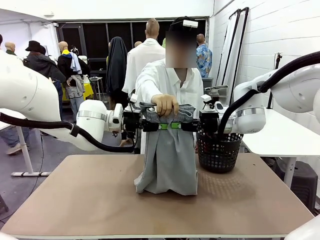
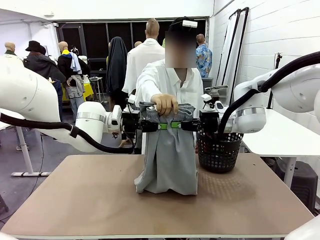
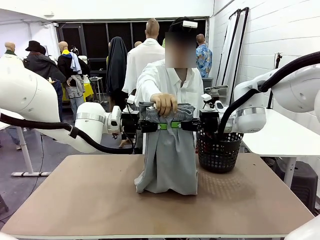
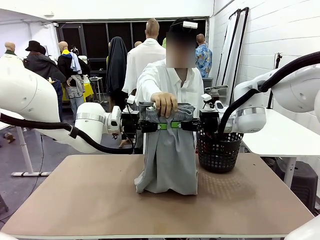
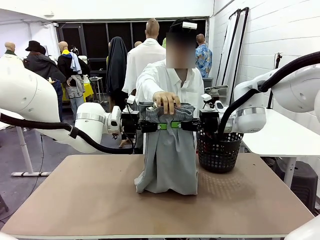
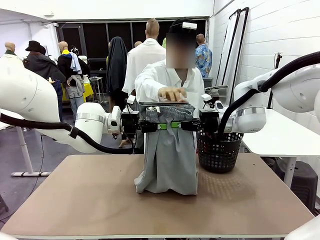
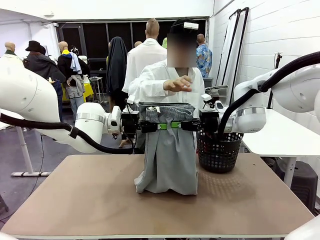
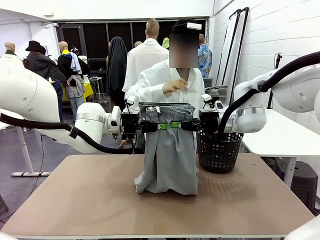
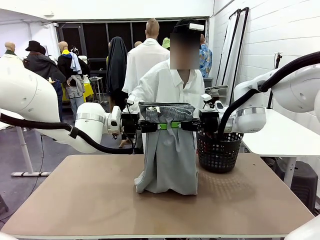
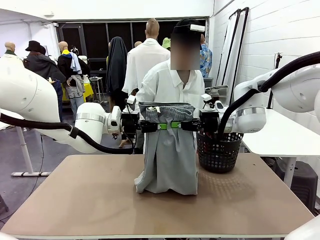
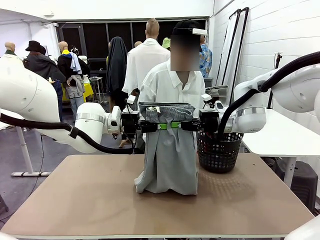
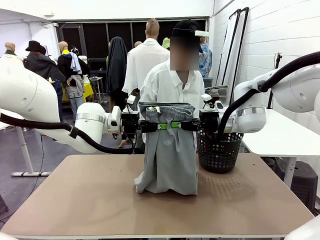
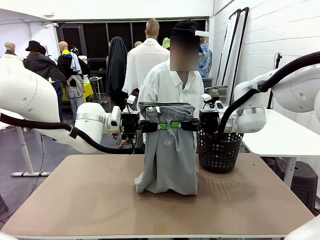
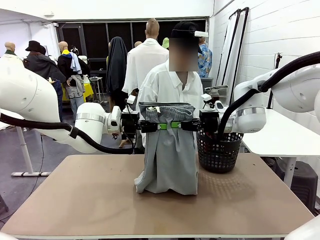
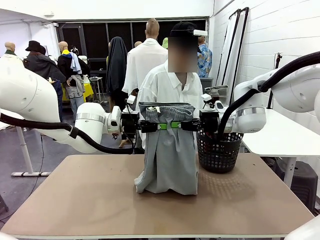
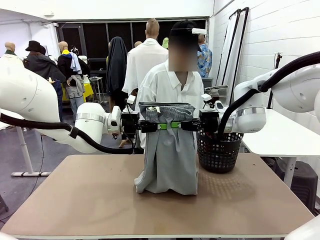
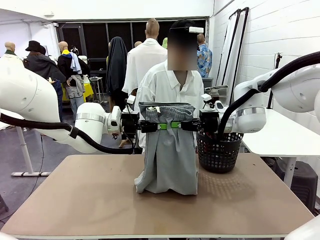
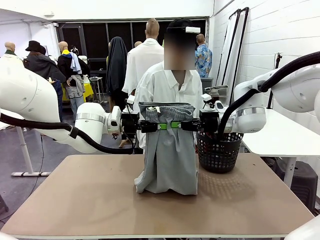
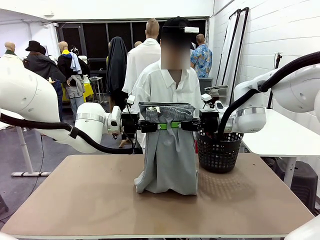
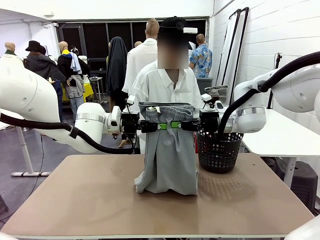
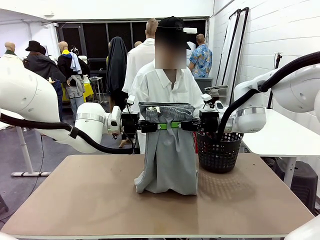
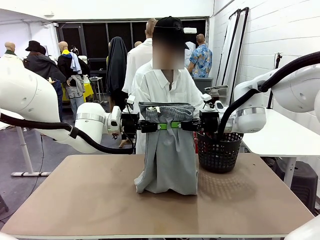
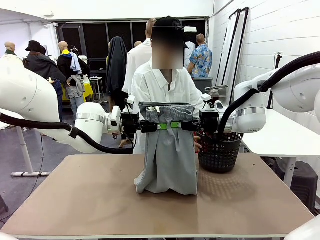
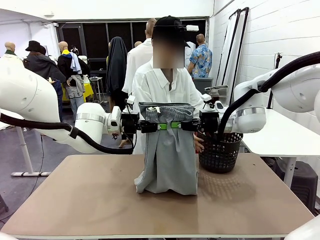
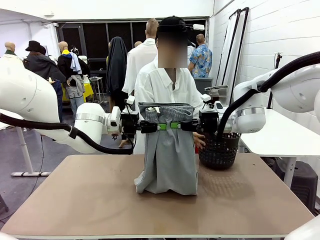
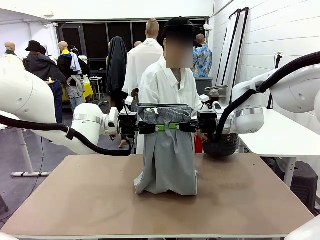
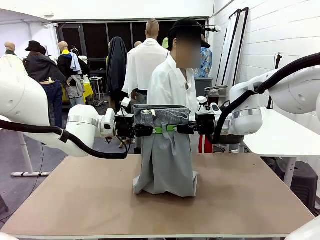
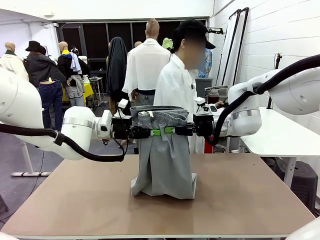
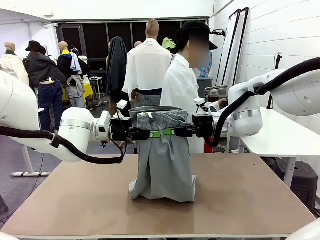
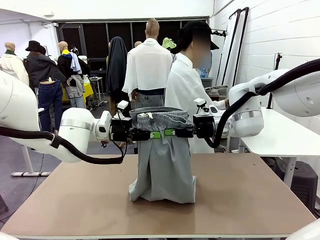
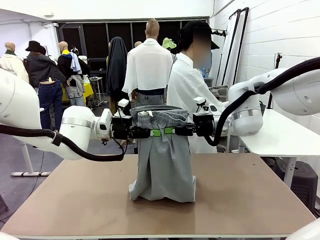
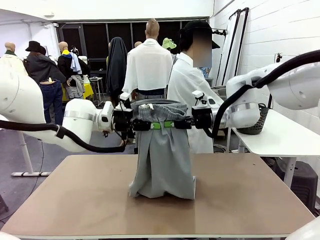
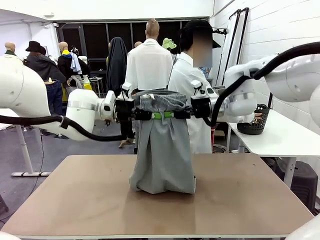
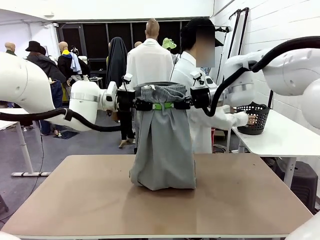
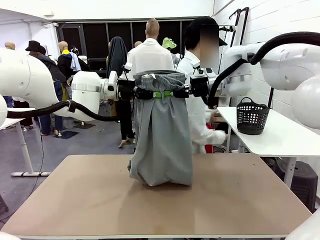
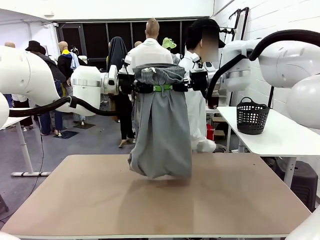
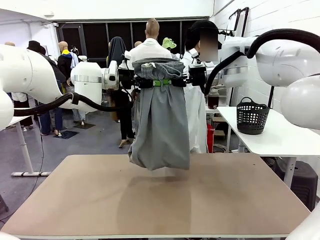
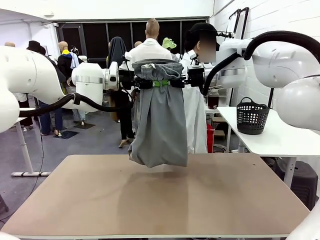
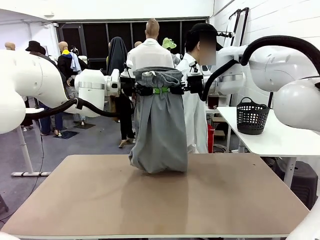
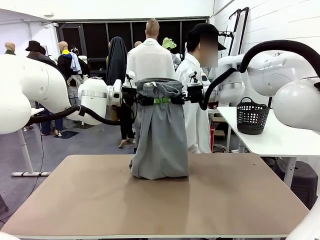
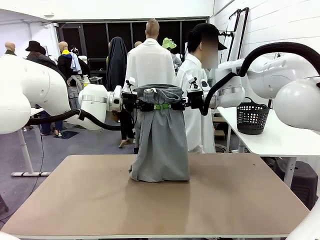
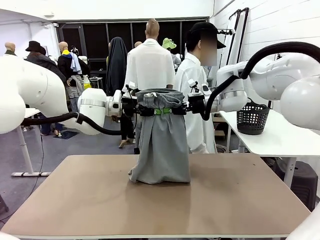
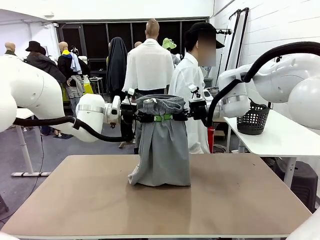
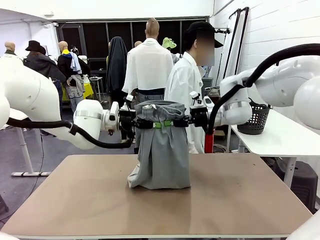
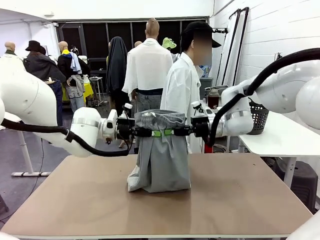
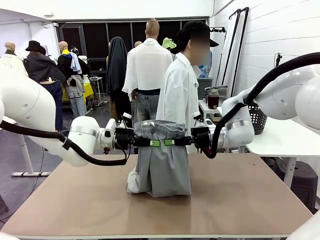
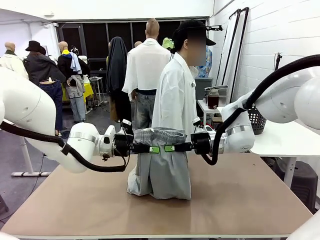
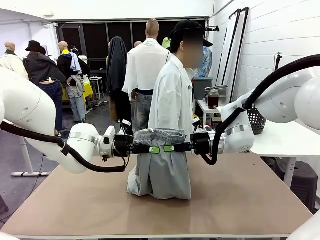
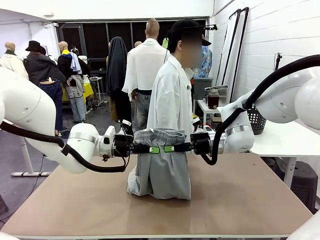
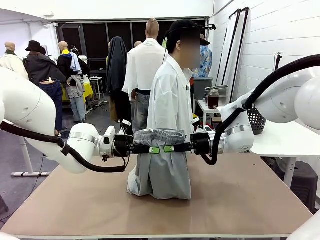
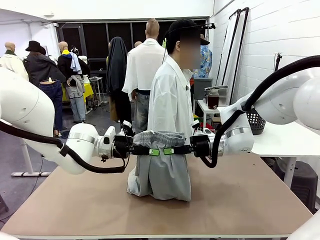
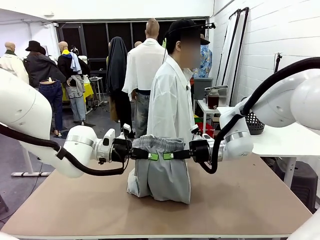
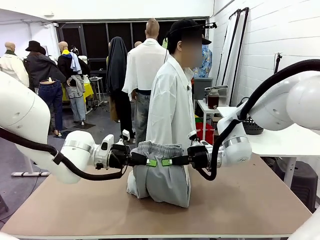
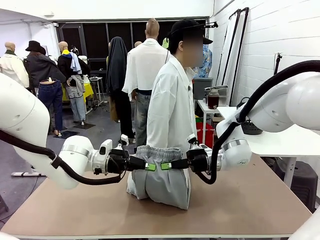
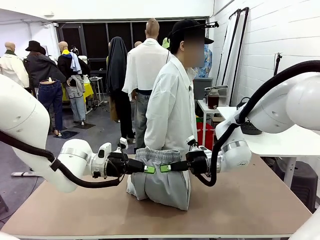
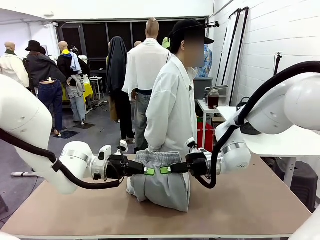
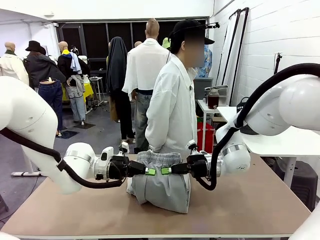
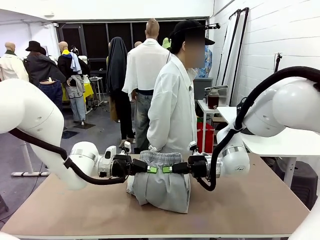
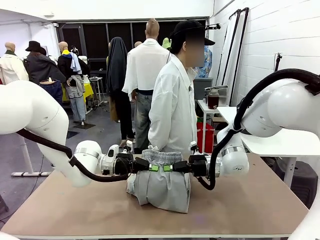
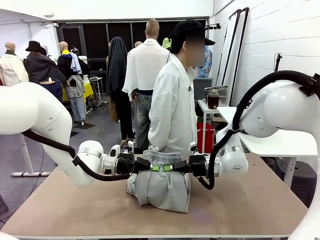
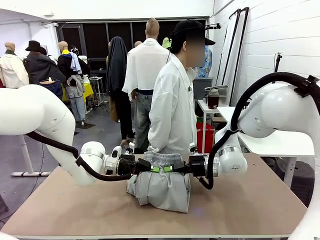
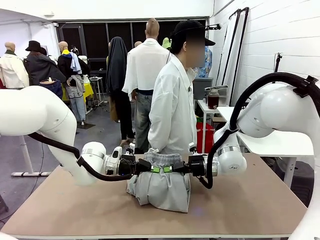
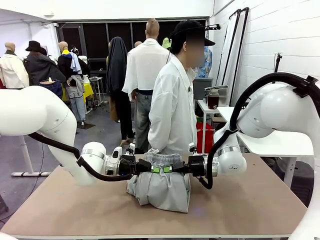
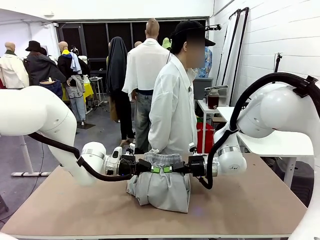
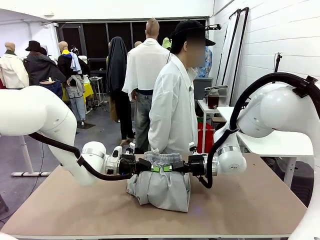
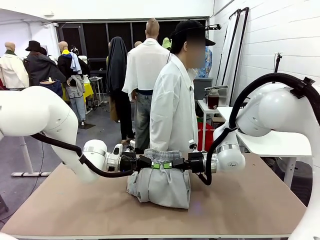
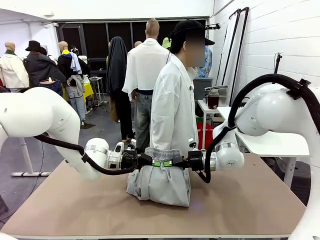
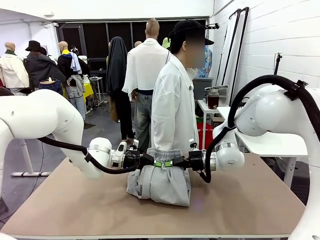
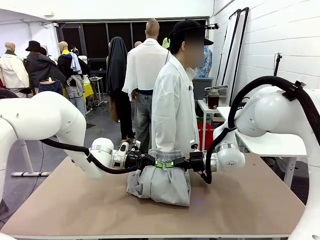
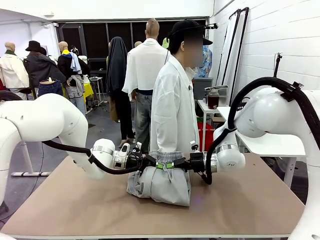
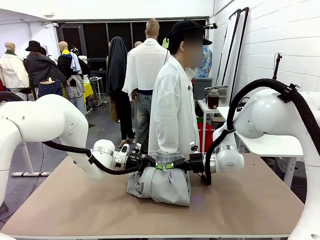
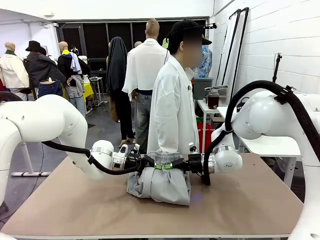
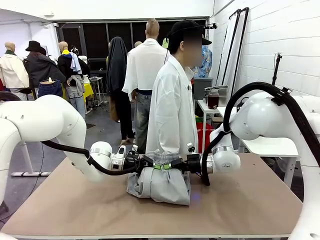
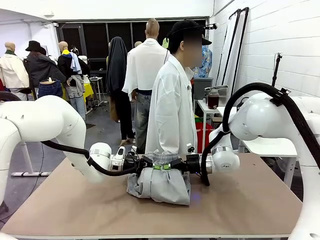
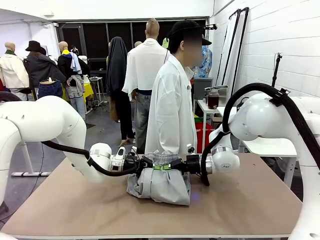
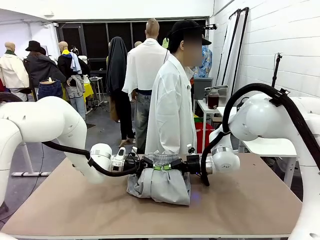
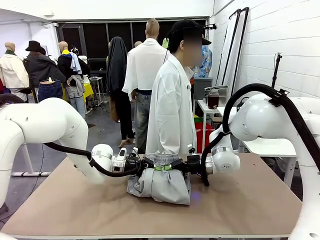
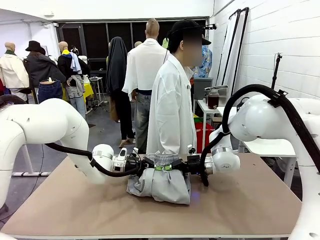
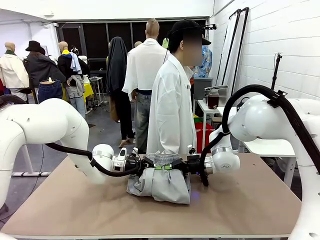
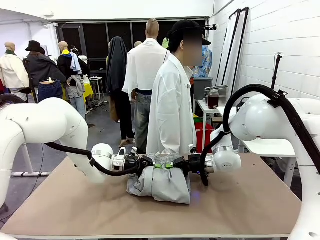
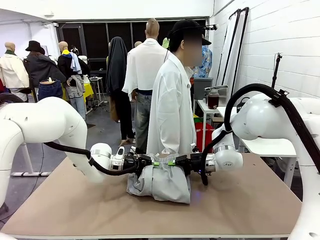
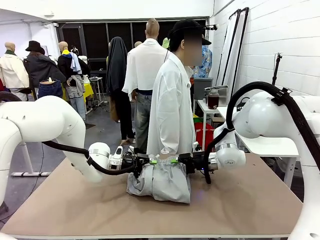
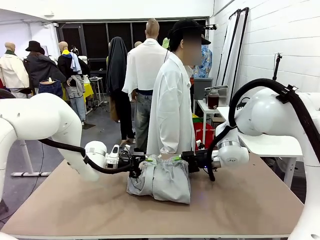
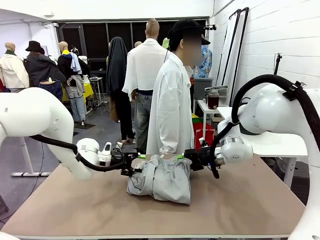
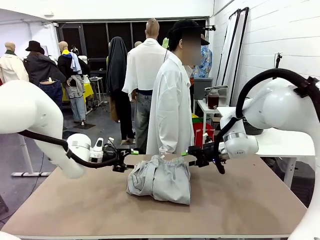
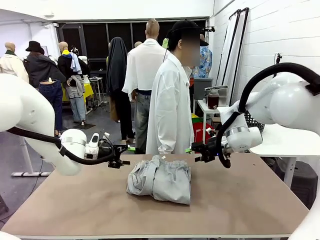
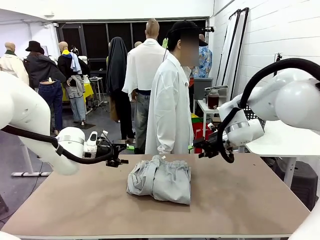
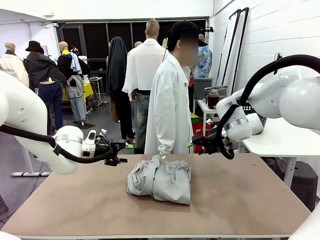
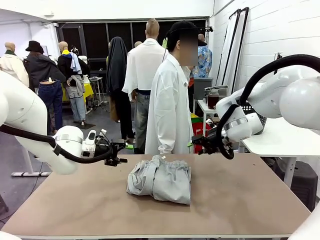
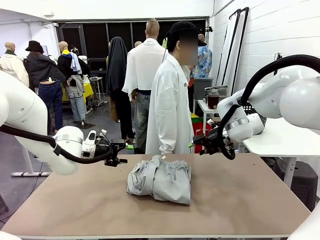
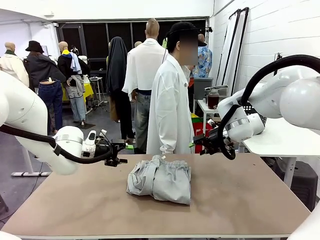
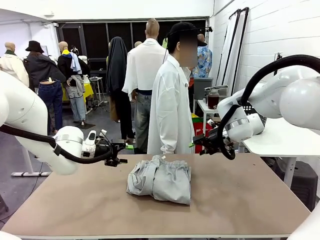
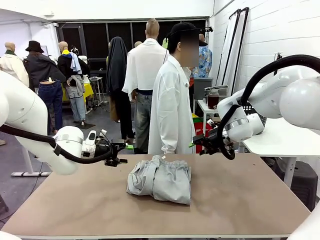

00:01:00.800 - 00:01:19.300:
Task: Fold the training pants.
Robot: Fold the Training pants in half.
Person: Move the laundry basket to the right of the human table.
